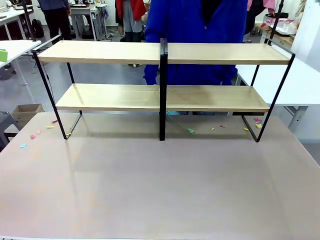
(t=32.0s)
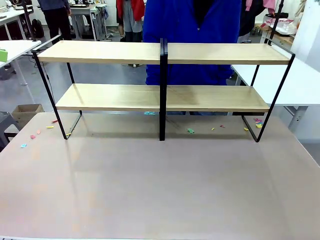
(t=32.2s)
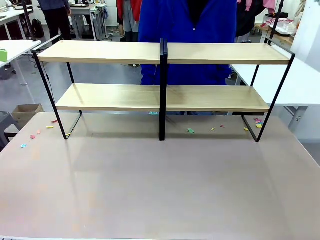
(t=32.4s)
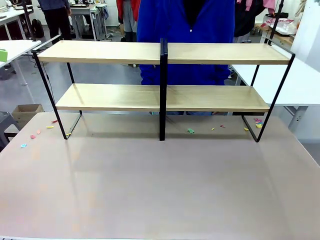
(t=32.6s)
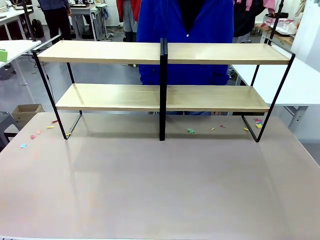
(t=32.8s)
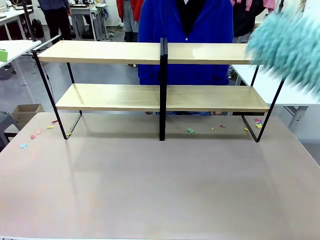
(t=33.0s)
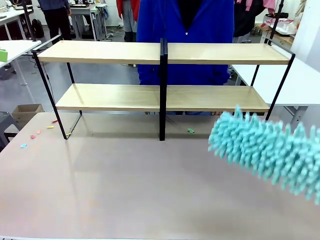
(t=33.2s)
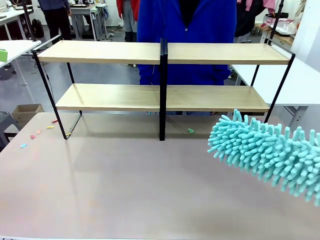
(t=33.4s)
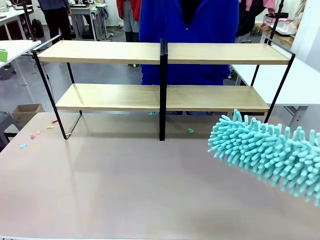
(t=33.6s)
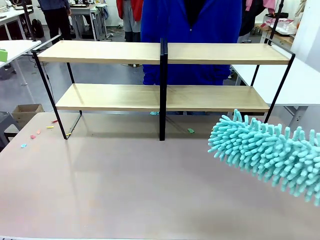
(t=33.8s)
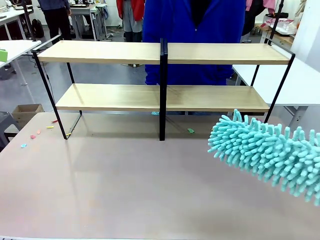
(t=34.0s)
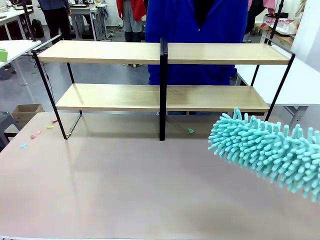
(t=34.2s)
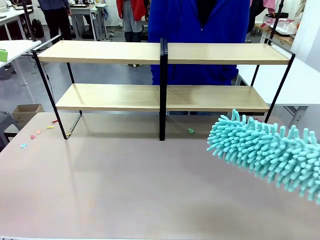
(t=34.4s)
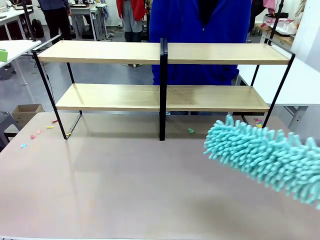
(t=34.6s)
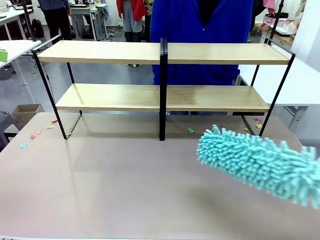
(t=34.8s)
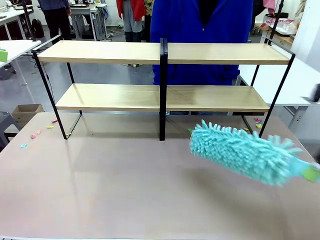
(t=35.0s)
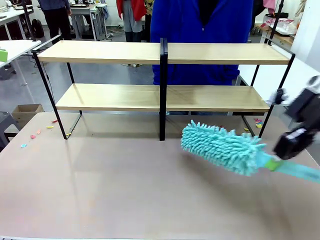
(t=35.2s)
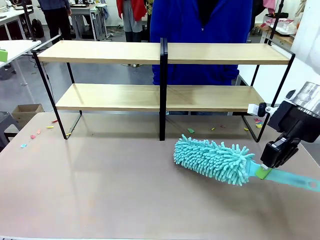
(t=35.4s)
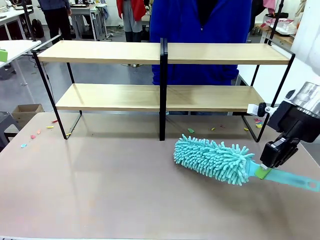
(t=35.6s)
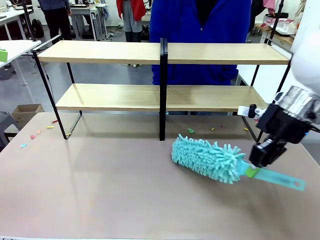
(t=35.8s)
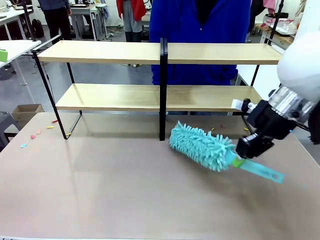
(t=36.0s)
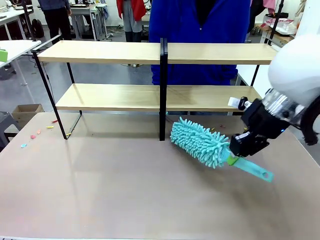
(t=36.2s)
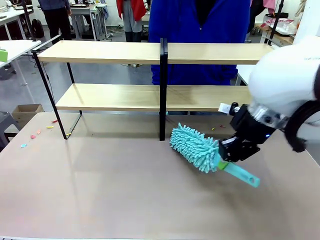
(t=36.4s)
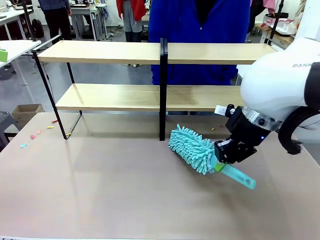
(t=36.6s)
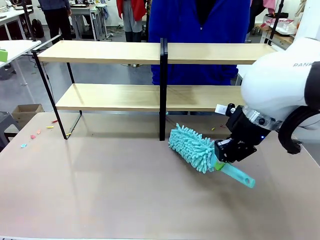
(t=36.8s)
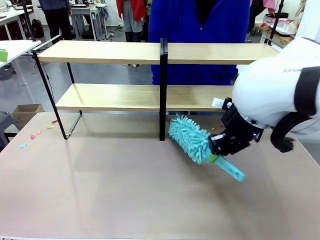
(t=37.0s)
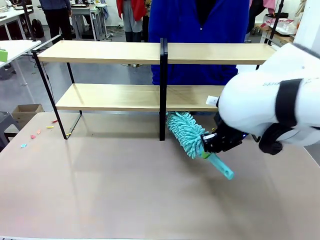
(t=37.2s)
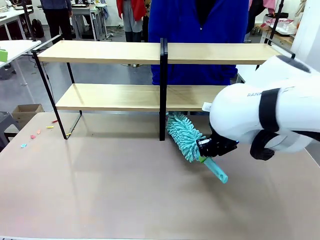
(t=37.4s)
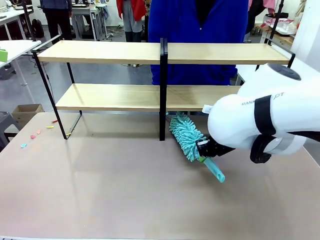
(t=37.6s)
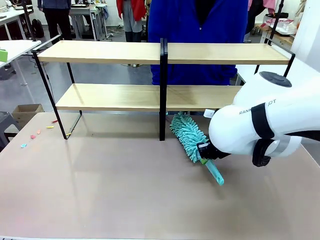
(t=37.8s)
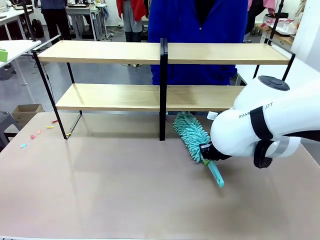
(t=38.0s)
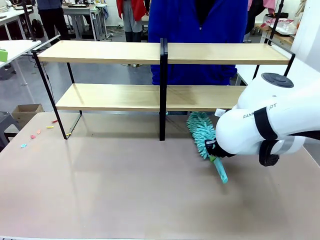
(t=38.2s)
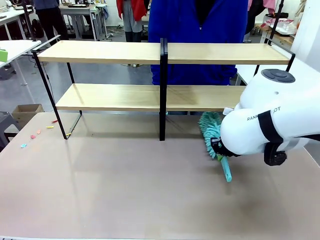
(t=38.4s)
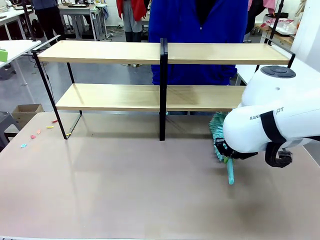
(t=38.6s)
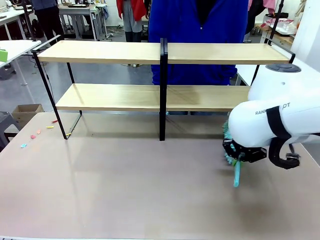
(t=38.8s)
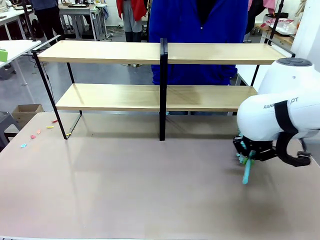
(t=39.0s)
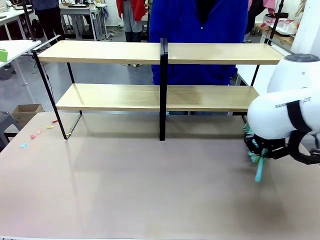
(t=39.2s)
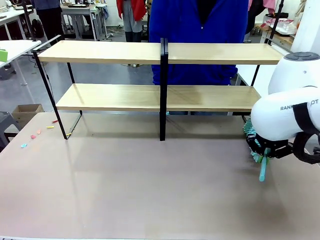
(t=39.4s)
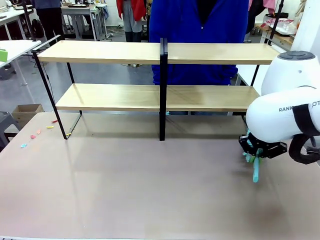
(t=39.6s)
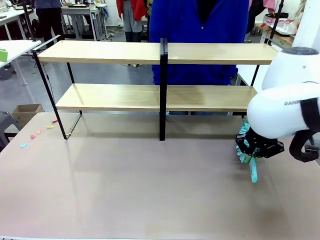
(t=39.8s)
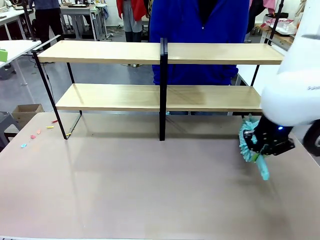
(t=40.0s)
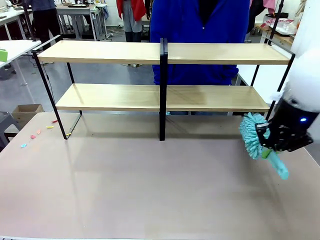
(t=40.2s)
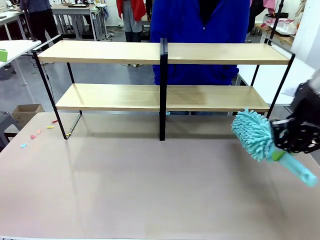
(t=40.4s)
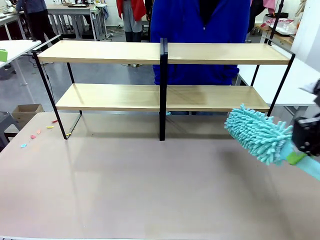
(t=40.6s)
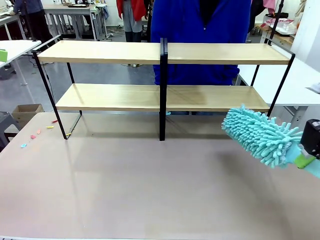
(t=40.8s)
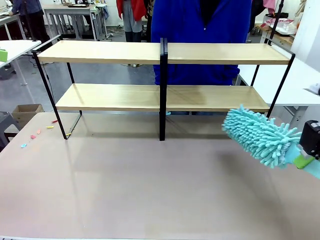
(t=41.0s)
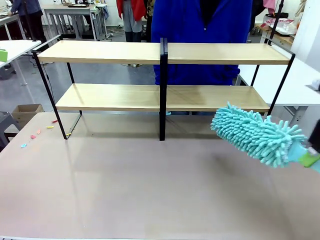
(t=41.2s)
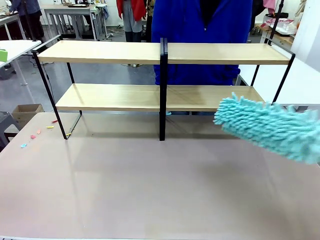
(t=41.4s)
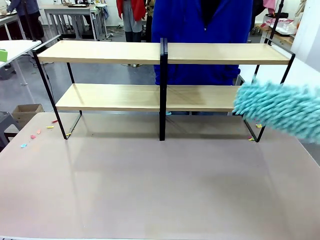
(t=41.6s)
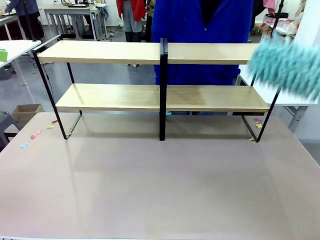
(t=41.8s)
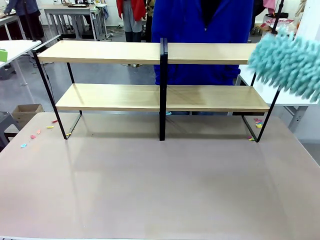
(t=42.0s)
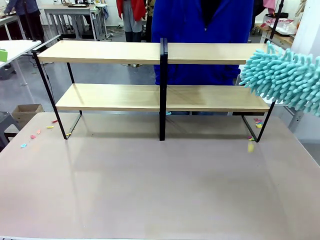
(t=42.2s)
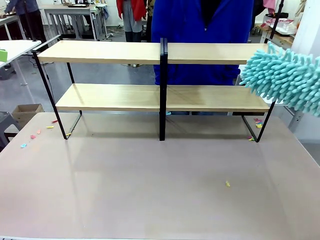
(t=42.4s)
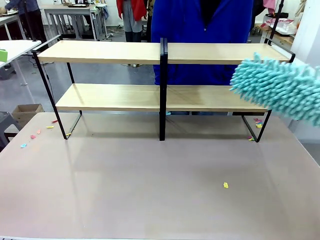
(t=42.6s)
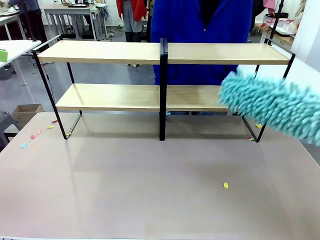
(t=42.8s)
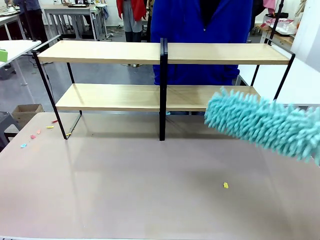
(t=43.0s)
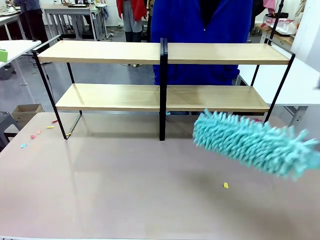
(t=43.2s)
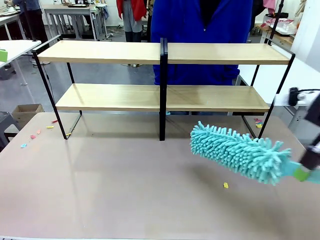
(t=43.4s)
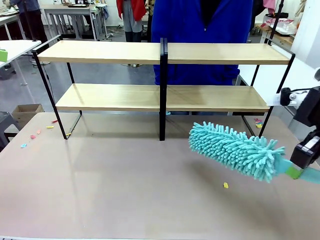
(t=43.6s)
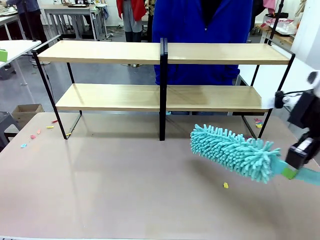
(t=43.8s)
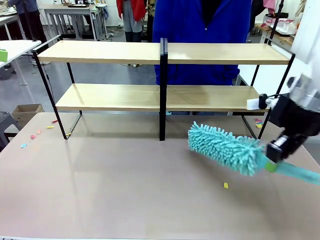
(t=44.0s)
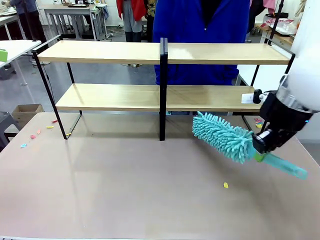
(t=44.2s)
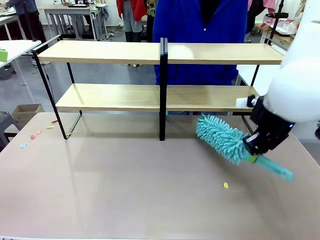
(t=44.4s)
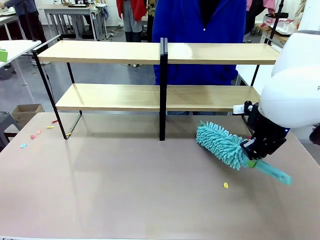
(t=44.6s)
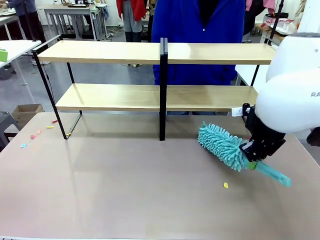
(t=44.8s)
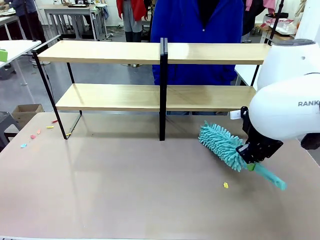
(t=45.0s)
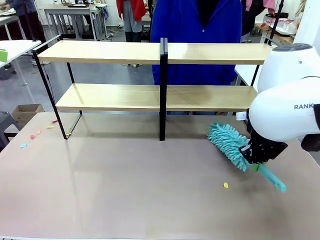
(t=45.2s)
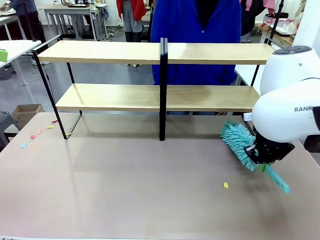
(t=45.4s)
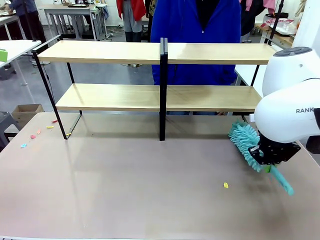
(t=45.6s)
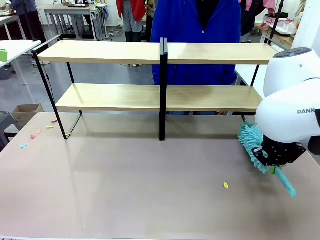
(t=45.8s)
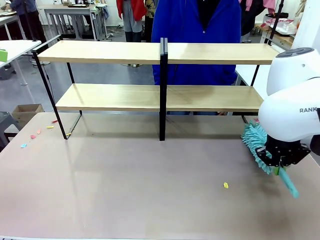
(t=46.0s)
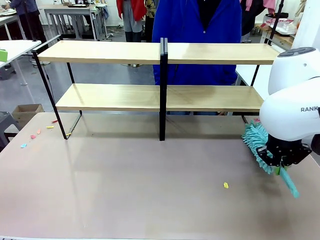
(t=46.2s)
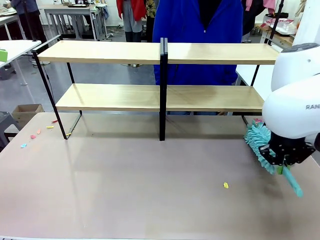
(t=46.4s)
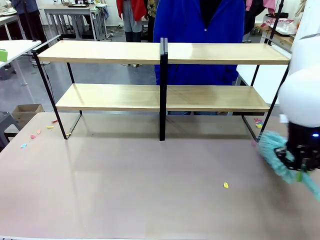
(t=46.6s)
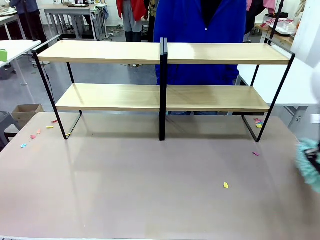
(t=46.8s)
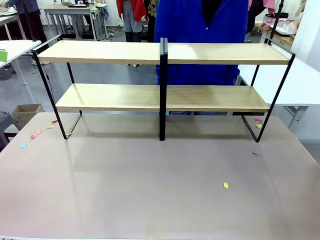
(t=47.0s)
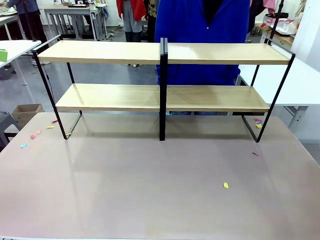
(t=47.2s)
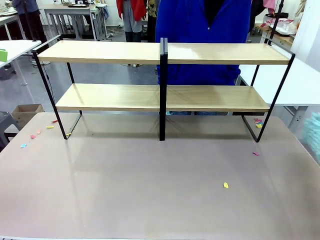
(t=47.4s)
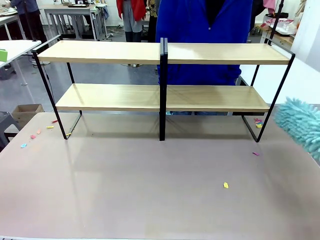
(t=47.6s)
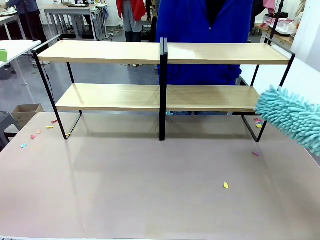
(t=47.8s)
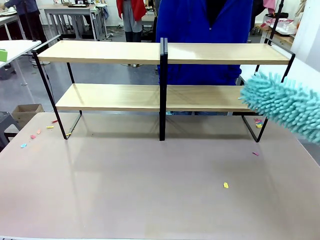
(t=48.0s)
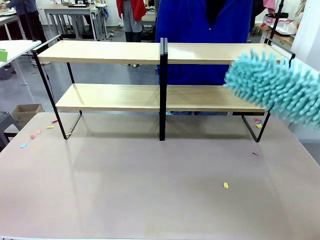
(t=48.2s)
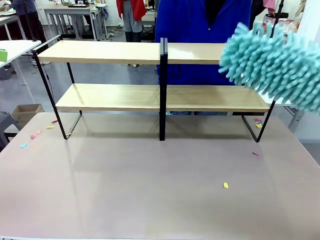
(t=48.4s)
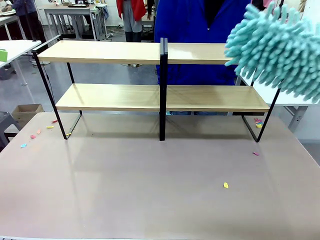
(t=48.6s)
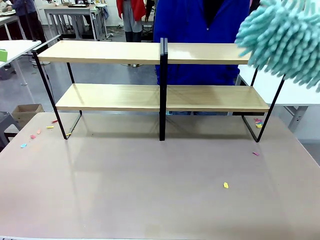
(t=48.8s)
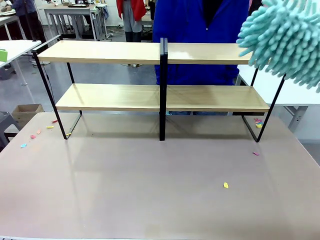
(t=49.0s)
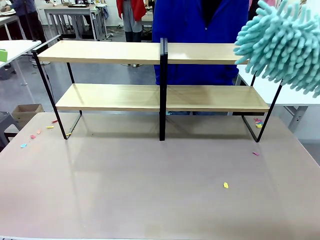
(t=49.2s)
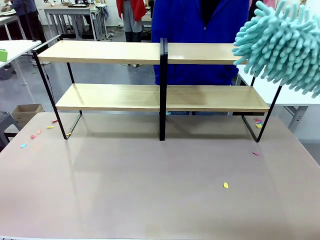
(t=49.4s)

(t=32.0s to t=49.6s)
Task: Clean the shelves.
Robot: Clean another randomly selected level of the Shelf with the Duster.

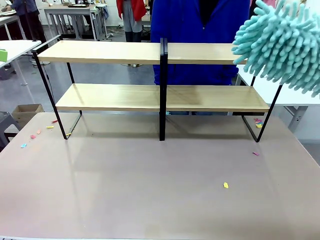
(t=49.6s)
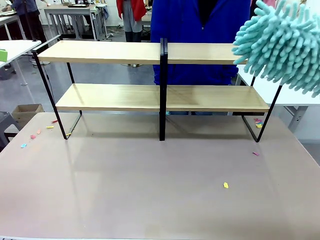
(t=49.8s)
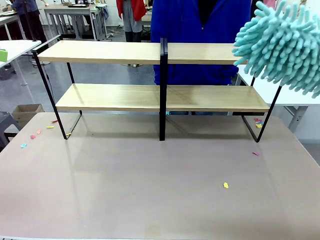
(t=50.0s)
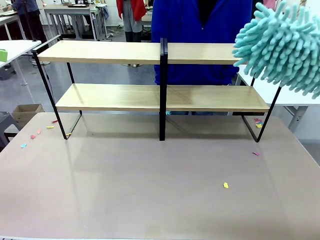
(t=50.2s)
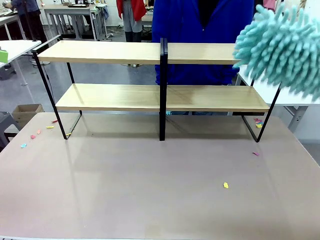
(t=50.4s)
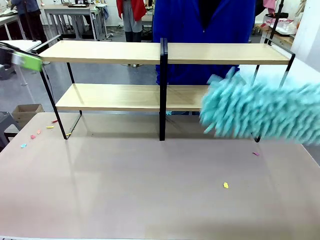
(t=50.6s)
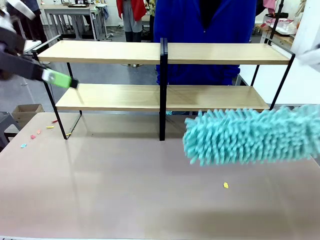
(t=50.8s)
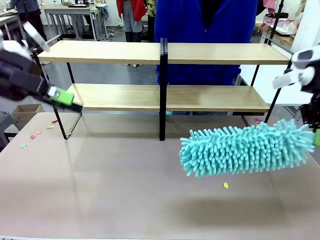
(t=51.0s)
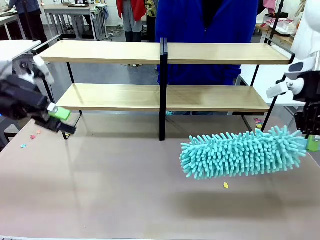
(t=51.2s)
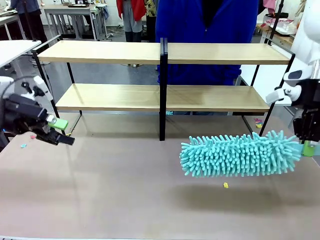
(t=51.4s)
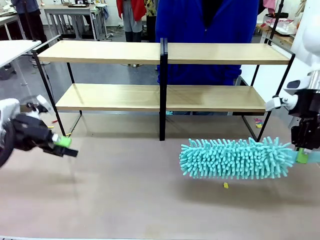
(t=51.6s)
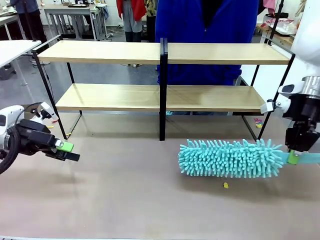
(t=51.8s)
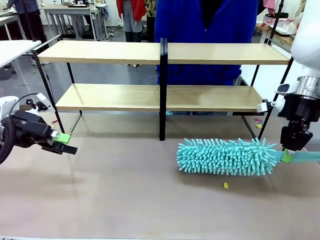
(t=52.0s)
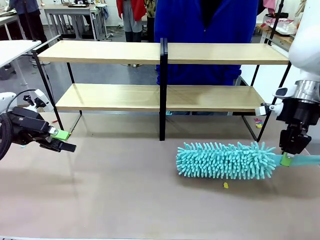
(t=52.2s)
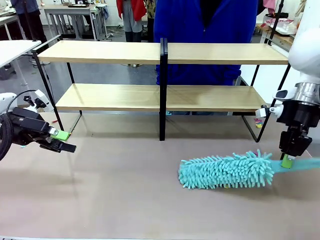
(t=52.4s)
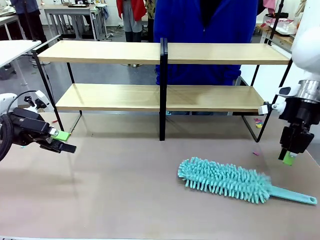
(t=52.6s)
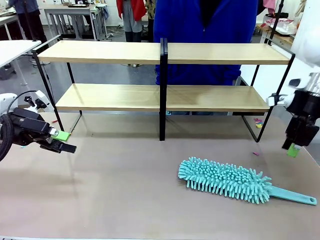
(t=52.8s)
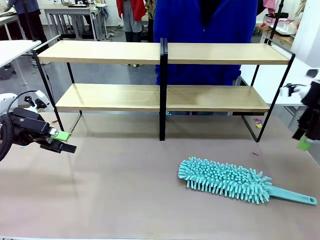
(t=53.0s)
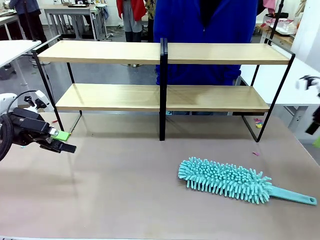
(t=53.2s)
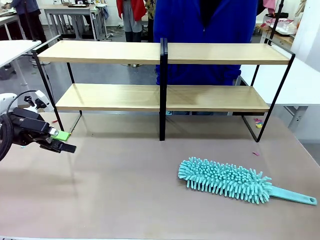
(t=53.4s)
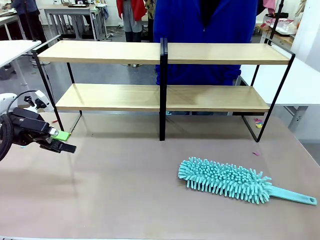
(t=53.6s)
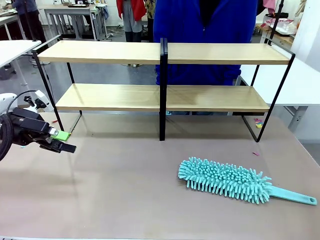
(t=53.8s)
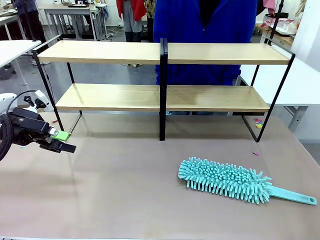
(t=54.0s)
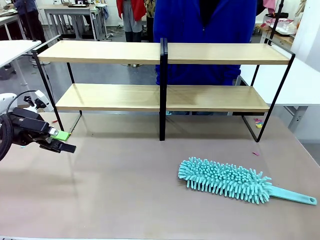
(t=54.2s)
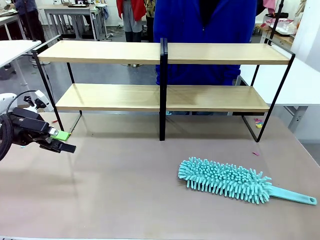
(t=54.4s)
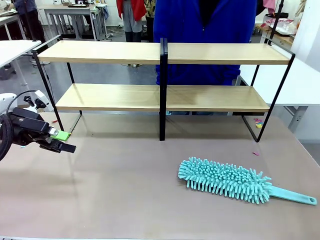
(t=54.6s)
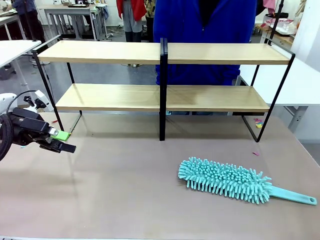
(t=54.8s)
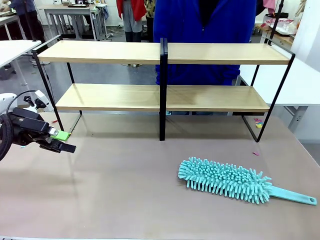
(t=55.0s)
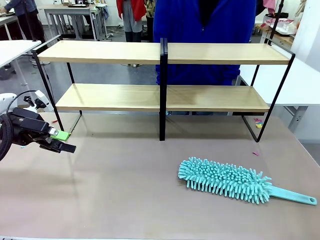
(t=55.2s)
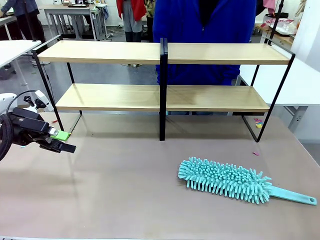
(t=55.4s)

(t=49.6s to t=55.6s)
Robot: Place the Duster on the table.
